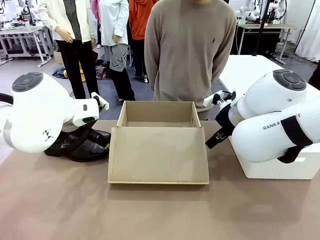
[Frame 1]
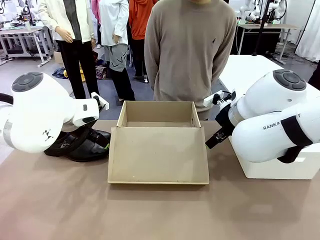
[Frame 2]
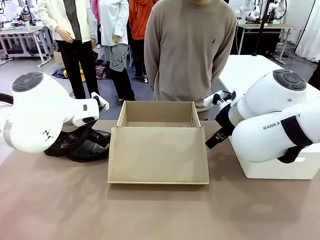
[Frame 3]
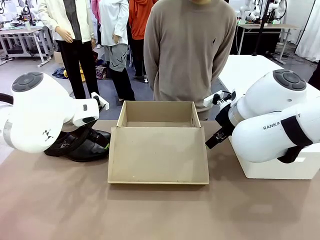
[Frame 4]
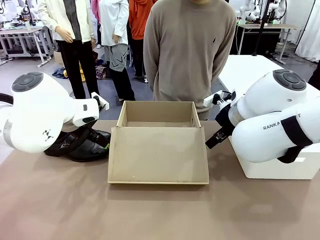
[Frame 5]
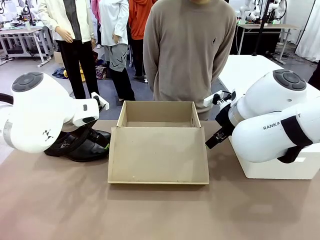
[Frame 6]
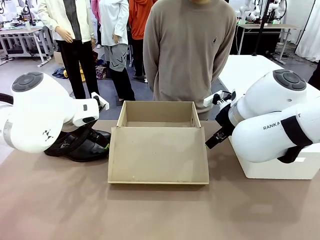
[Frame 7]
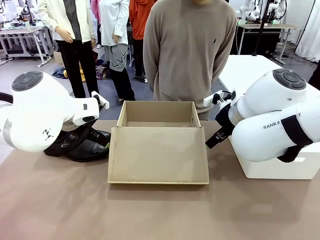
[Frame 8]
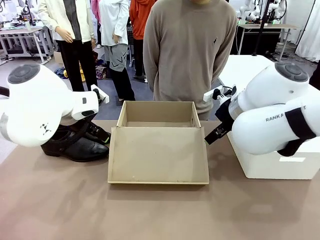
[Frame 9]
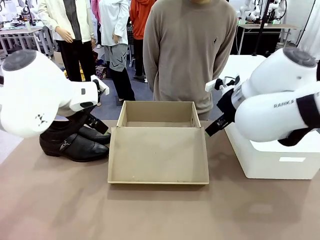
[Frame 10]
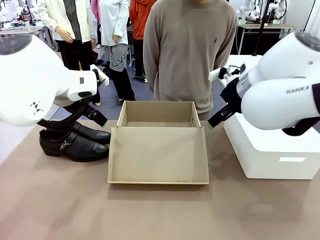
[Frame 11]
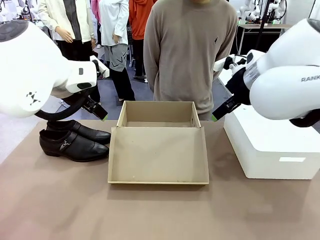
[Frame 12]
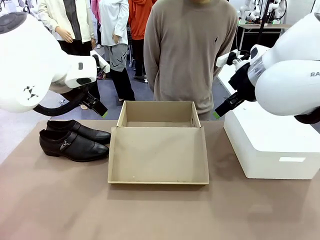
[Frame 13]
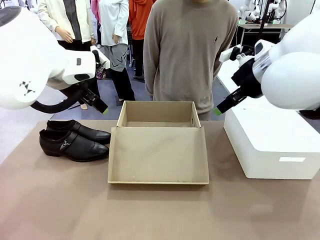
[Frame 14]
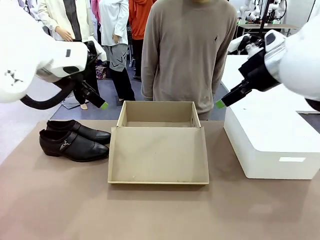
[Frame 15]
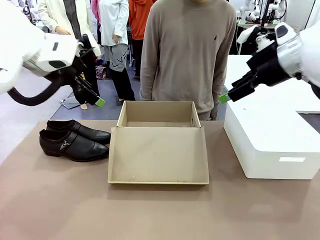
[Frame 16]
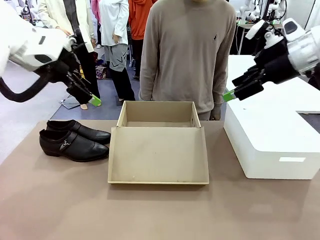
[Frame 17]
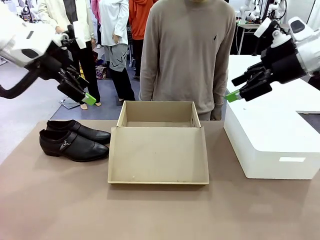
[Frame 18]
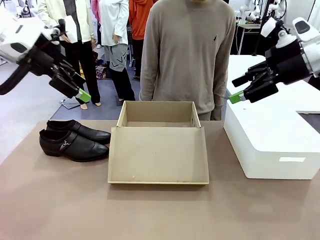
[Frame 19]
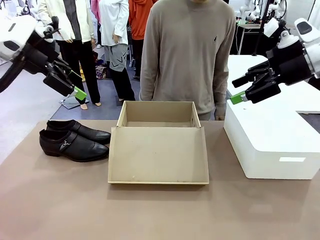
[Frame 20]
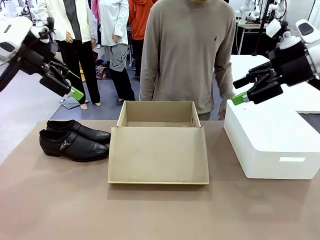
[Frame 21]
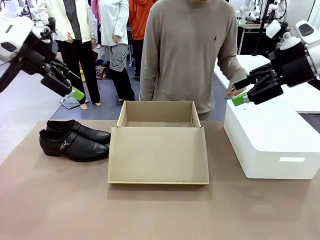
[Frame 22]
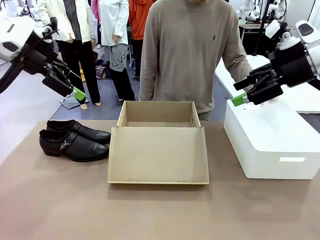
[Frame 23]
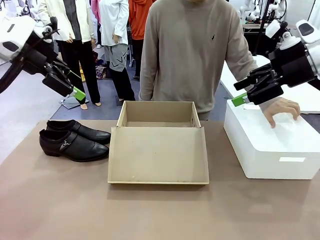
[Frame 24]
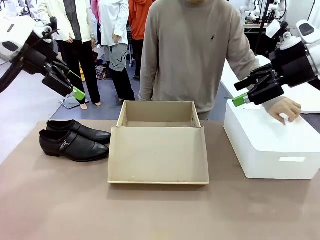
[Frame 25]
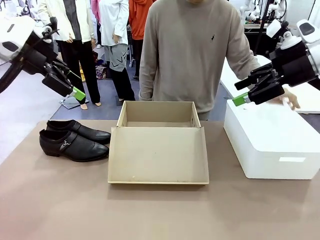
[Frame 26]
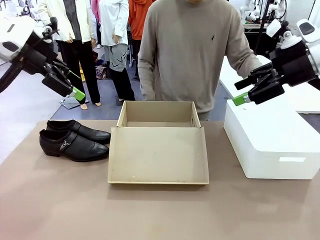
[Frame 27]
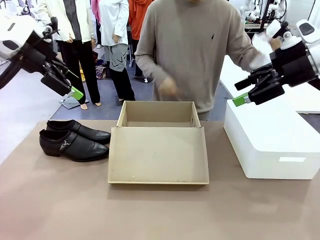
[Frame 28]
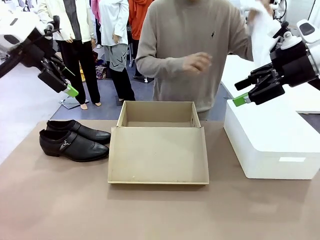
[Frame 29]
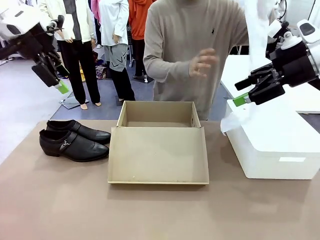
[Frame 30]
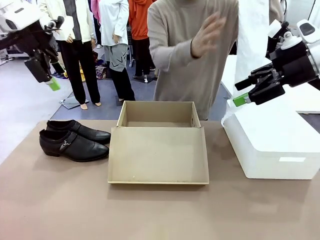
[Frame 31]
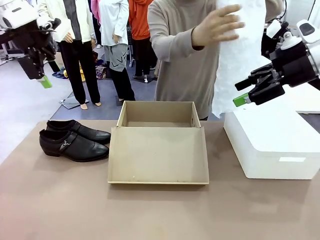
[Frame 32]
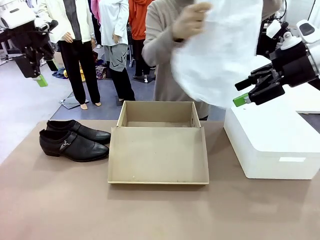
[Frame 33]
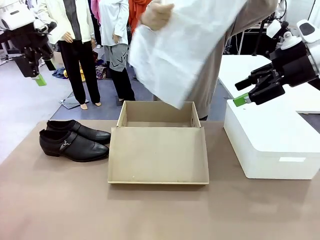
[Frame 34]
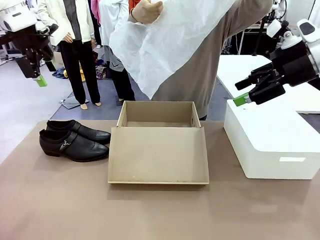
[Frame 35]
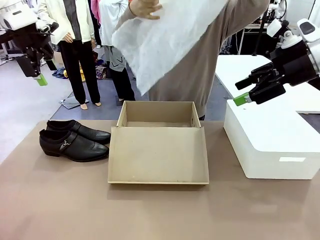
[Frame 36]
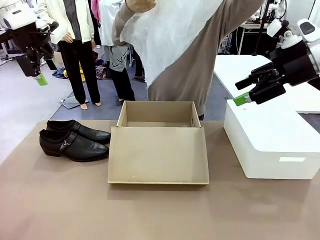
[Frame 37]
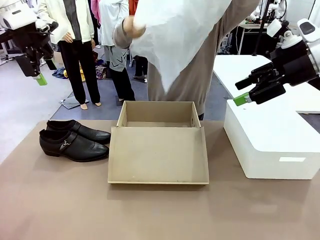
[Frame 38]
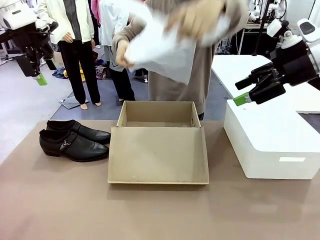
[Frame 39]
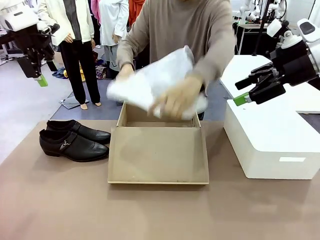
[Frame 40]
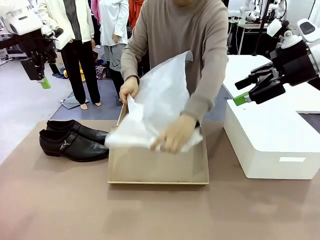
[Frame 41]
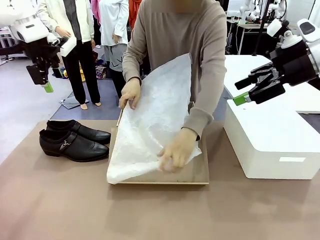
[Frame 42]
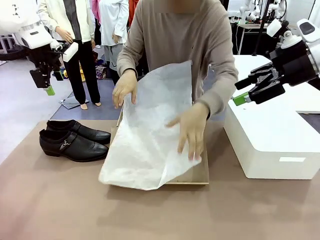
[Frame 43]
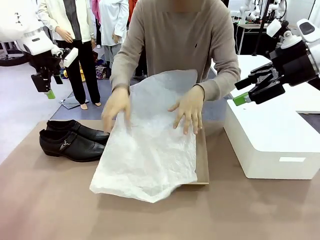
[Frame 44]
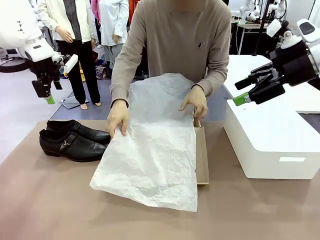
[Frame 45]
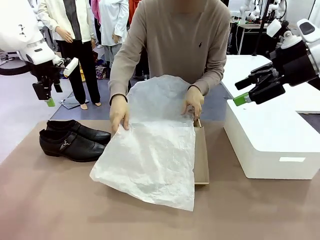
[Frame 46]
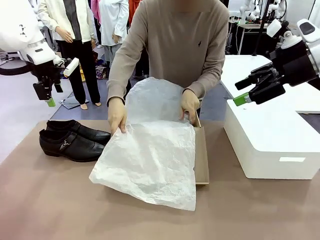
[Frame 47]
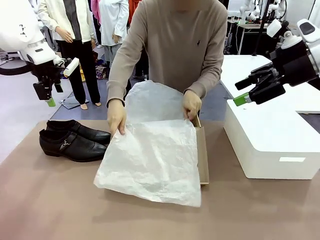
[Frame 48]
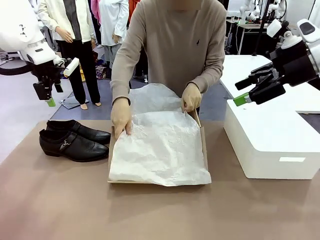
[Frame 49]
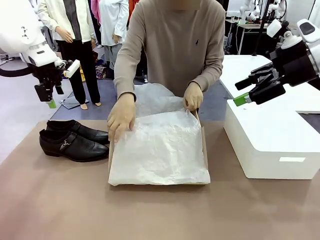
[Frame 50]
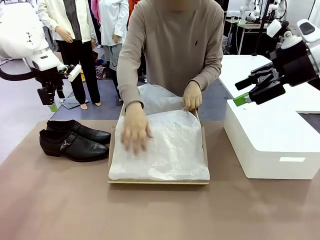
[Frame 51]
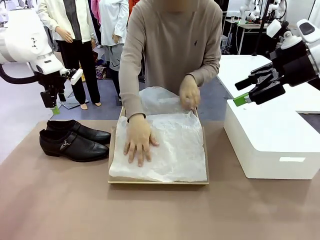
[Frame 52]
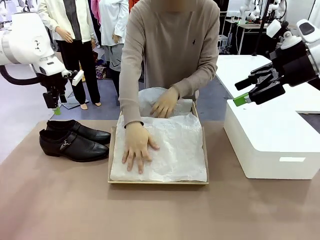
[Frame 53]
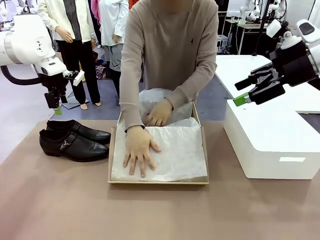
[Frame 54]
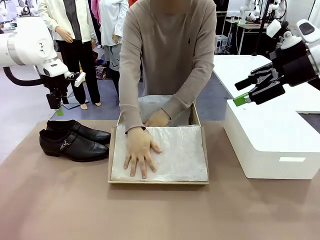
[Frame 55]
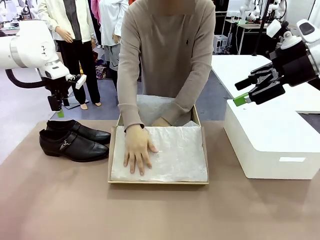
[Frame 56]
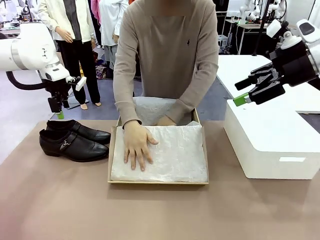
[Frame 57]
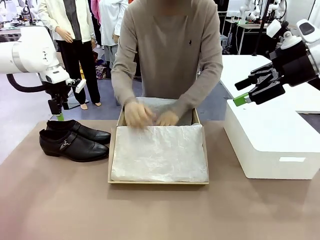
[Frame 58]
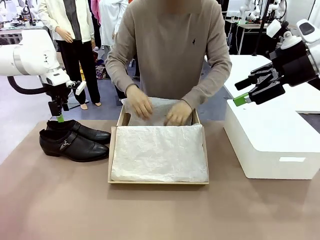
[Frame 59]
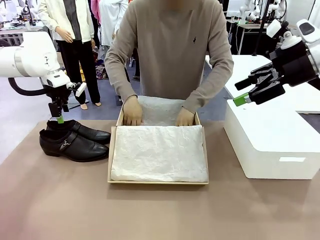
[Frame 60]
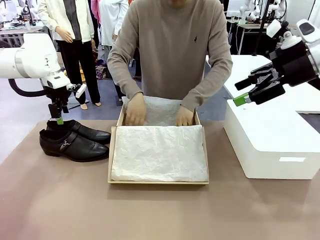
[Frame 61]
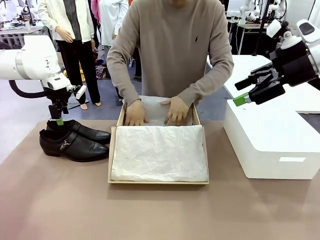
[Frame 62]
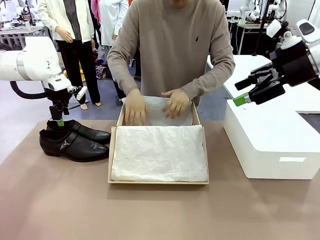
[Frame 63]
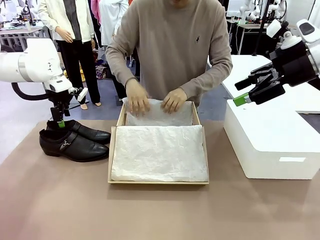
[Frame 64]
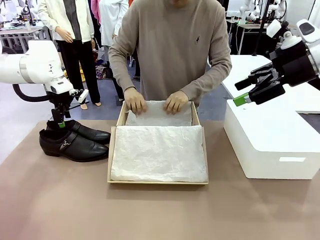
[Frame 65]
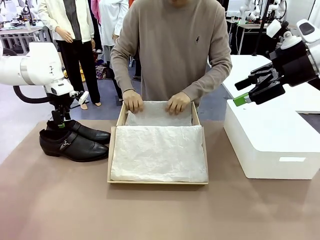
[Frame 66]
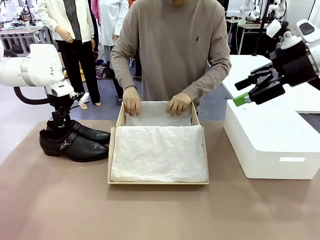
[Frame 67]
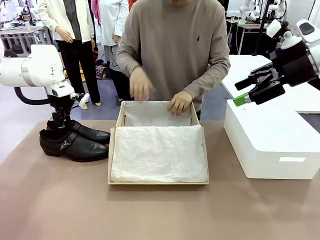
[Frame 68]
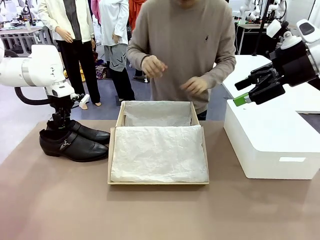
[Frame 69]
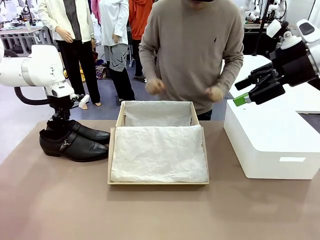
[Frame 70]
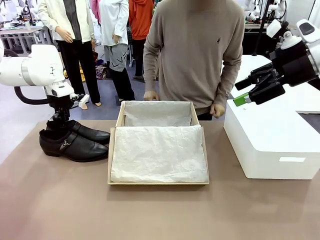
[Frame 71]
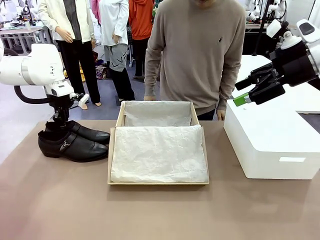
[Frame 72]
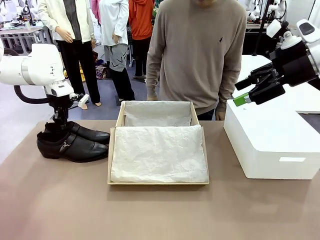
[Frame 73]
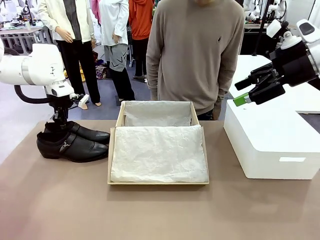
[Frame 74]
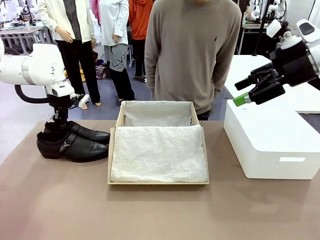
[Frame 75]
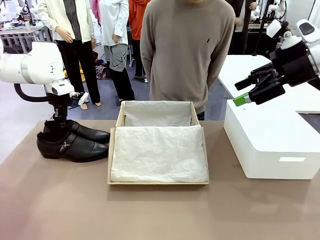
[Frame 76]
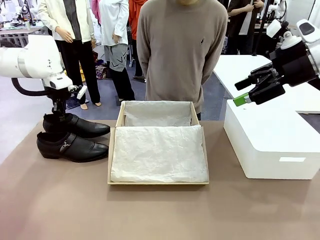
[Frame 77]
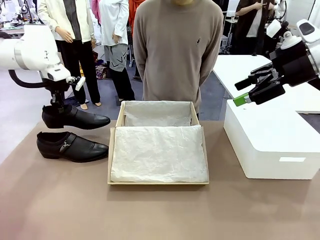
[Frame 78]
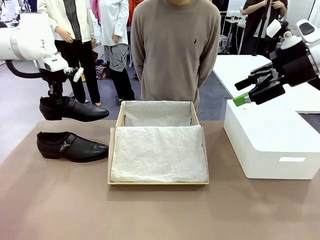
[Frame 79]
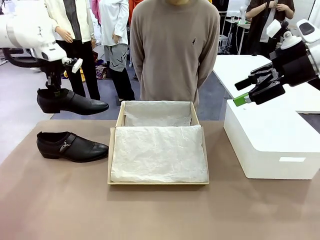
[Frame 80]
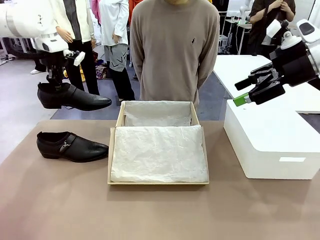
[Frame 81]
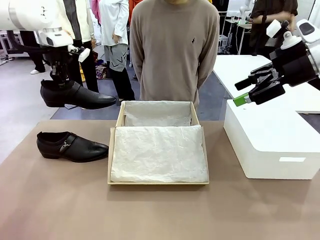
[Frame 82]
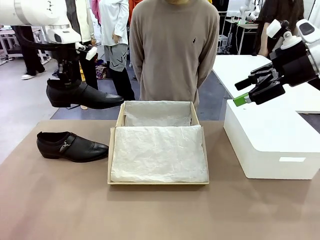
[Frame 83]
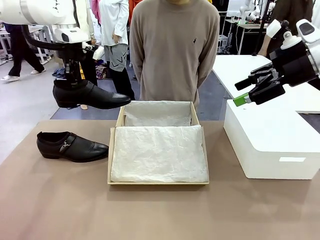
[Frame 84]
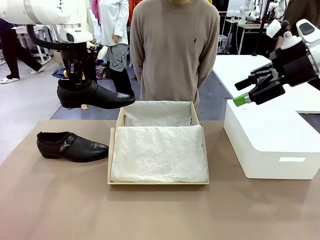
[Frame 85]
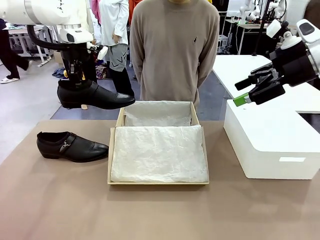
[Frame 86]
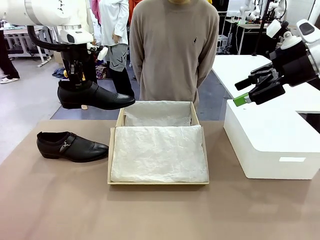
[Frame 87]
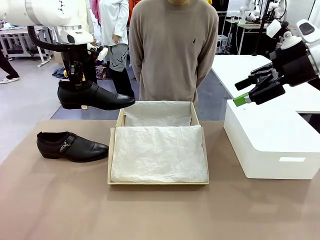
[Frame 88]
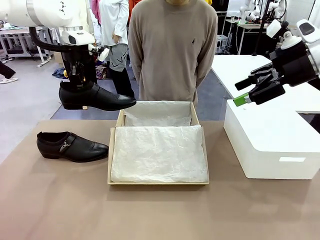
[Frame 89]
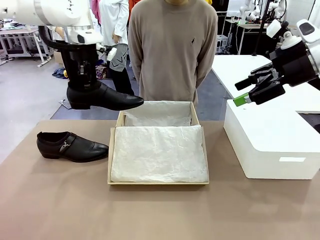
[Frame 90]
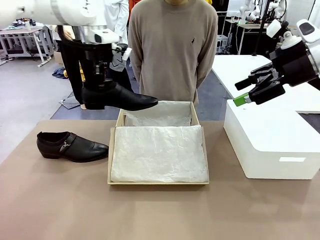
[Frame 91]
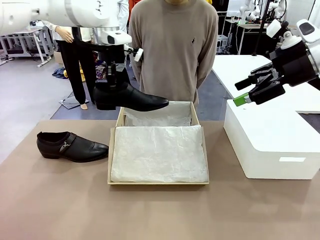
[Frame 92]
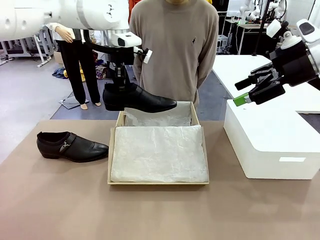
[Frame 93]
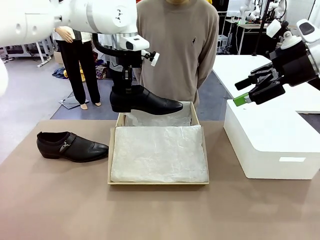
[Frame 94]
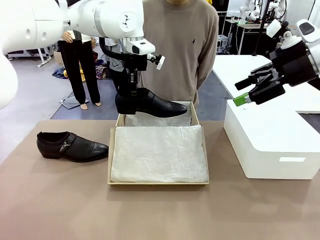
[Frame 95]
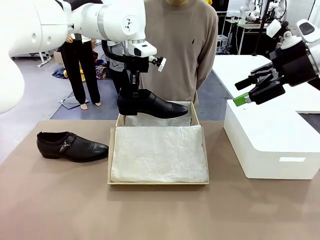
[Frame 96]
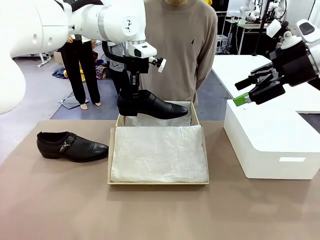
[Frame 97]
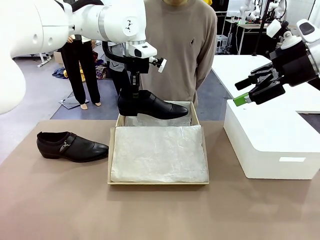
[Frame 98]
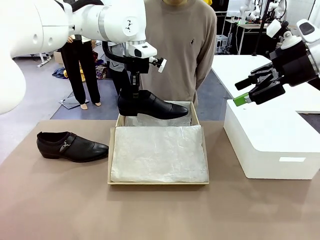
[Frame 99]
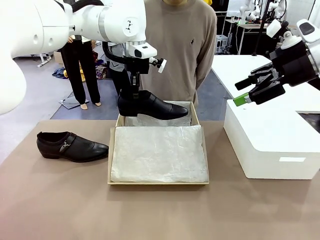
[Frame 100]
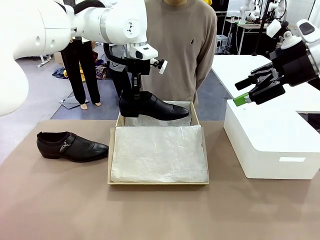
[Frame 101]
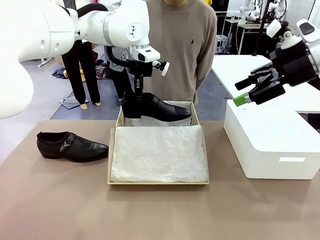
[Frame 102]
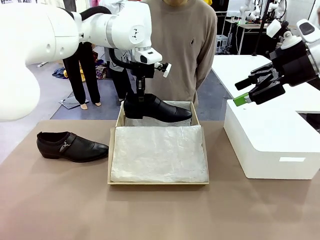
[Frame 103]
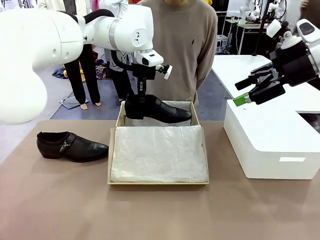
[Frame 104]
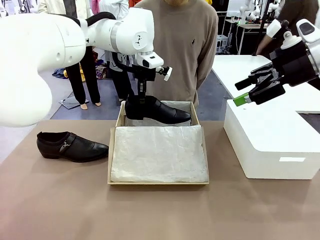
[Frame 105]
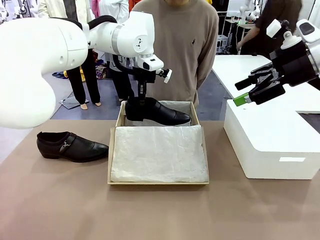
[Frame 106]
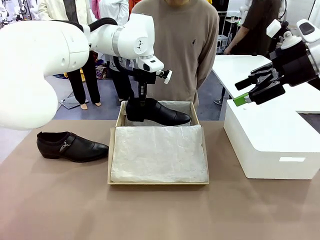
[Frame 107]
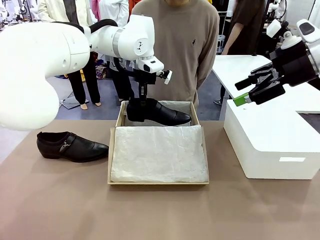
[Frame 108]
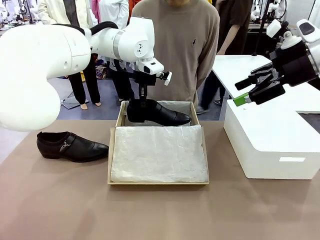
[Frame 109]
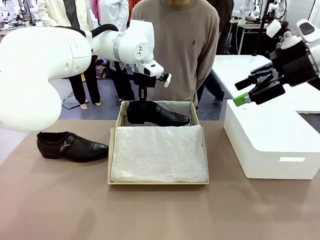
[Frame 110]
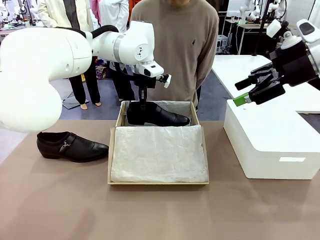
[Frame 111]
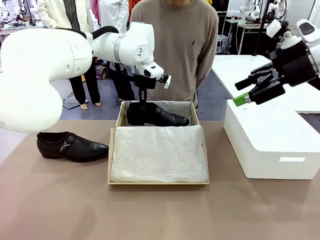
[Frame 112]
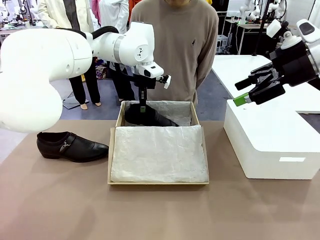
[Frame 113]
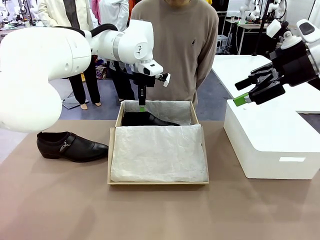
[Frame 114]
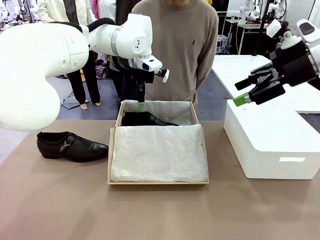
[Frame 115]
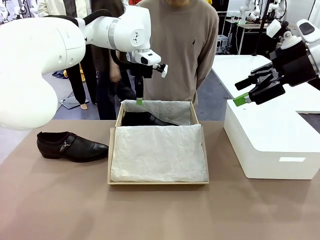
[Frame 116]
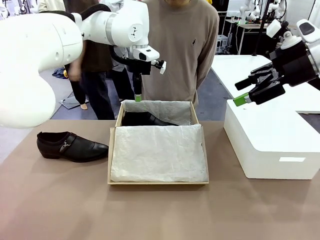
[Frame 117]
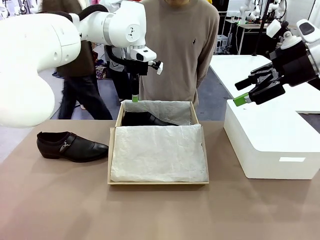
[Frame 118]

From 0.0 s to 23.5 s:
Task: Pack the shoes into the box.
Robot: Place one shoe of the Shoes into the Shoes Box.
Person: Spread Shoes Wrapping Paper and place inside the Shoes Box.
